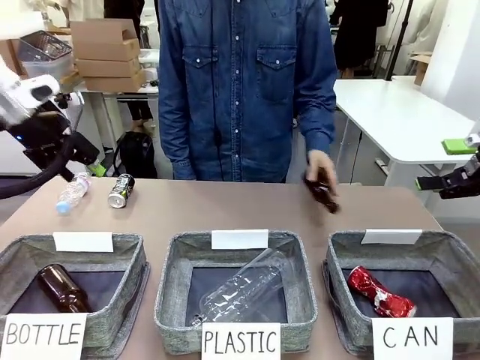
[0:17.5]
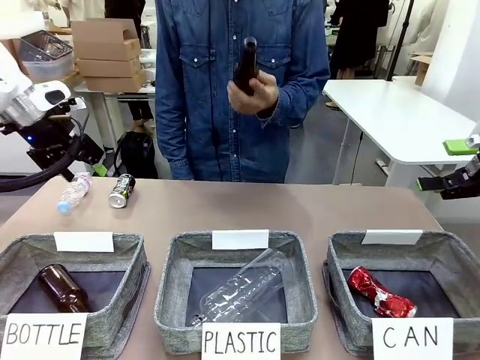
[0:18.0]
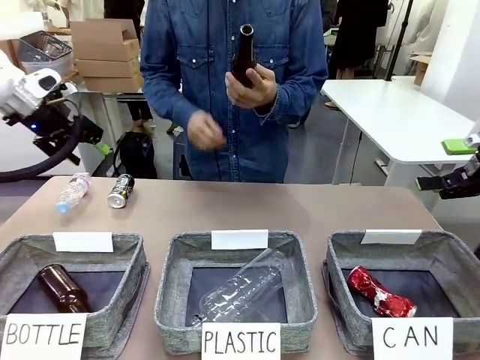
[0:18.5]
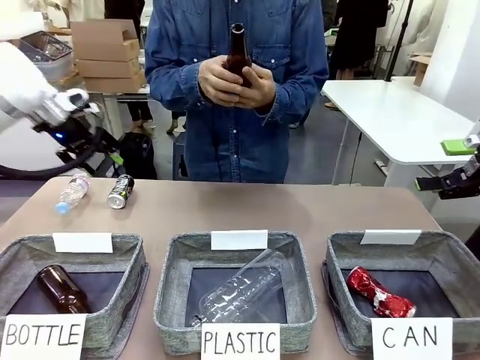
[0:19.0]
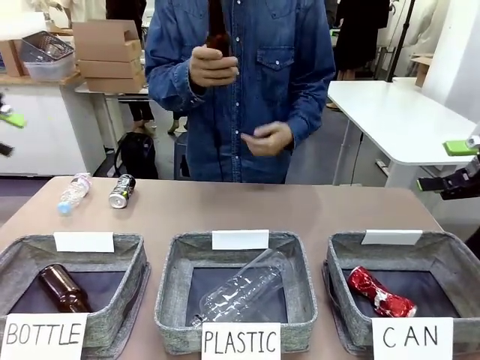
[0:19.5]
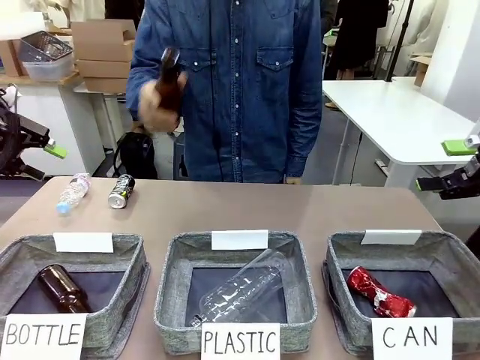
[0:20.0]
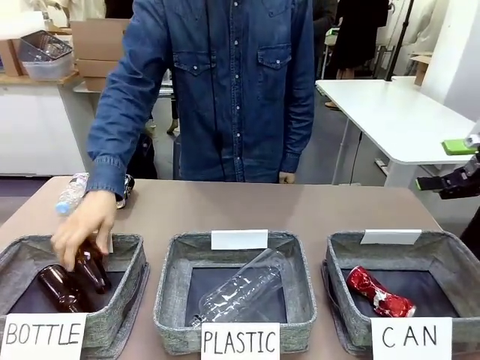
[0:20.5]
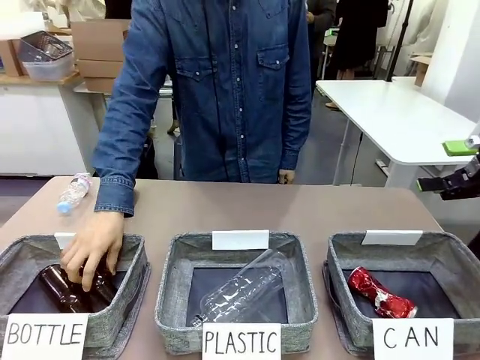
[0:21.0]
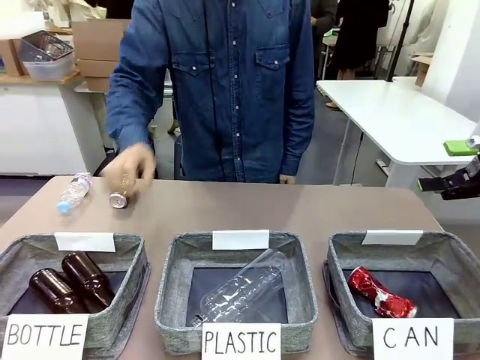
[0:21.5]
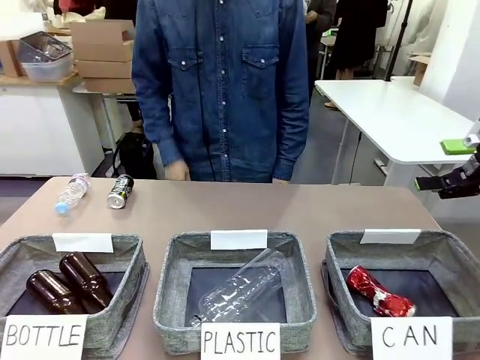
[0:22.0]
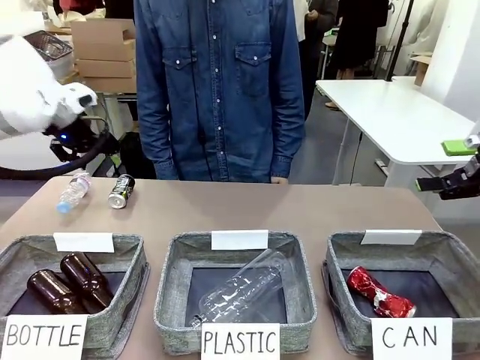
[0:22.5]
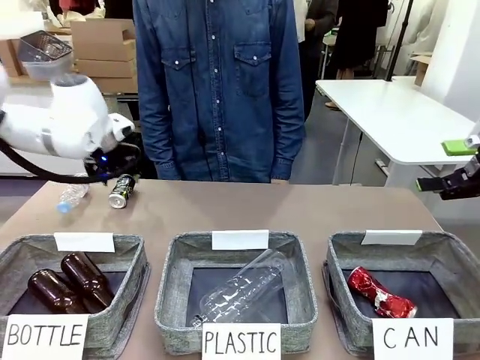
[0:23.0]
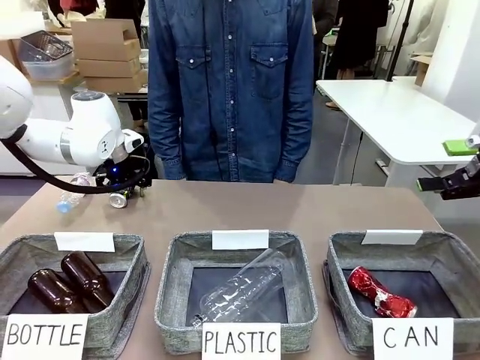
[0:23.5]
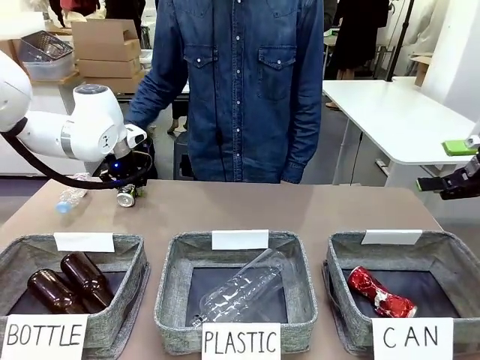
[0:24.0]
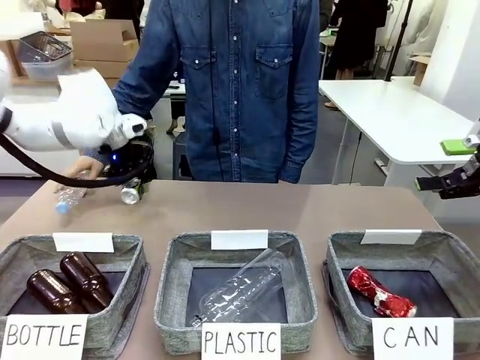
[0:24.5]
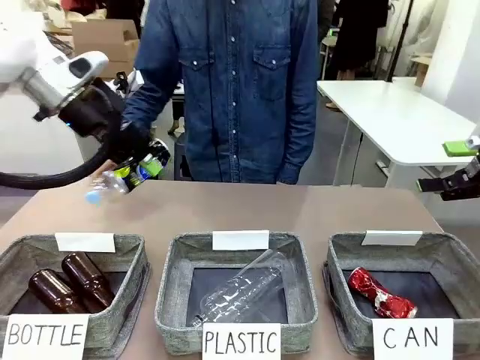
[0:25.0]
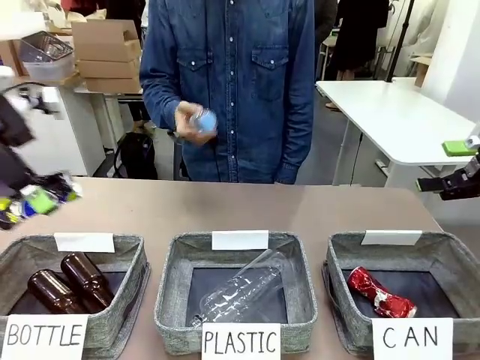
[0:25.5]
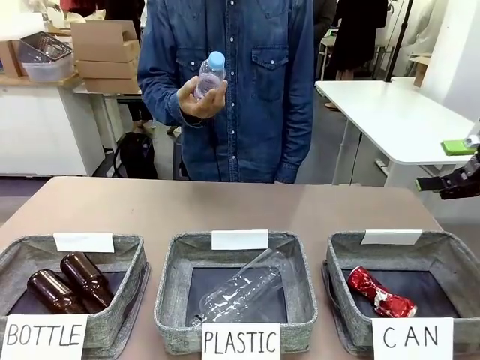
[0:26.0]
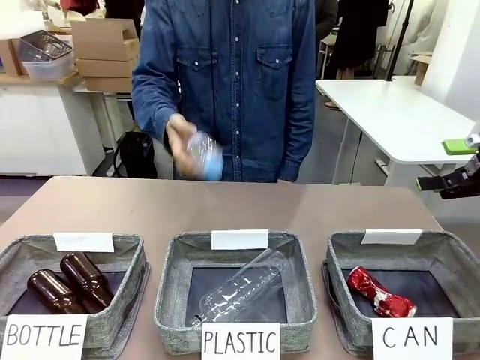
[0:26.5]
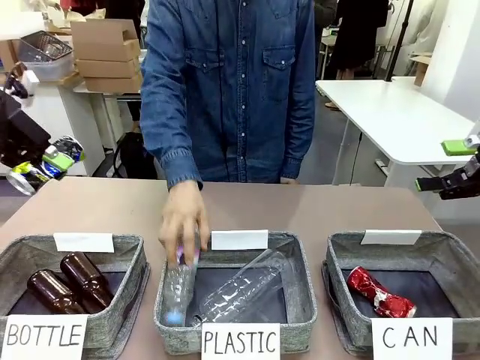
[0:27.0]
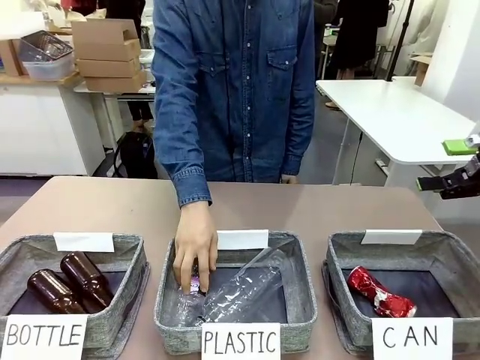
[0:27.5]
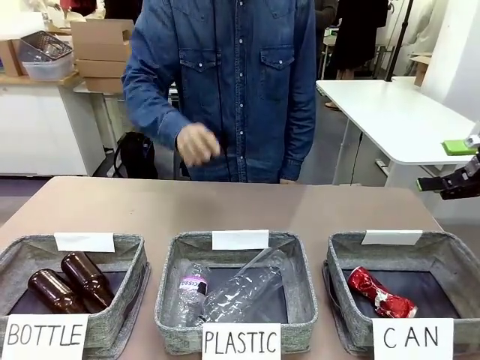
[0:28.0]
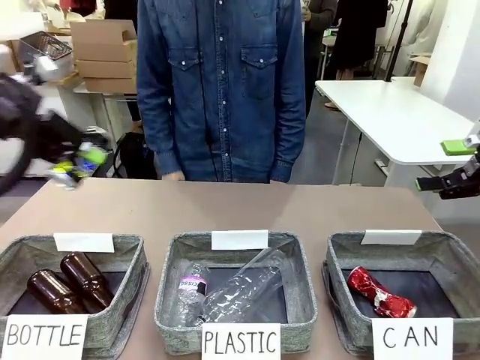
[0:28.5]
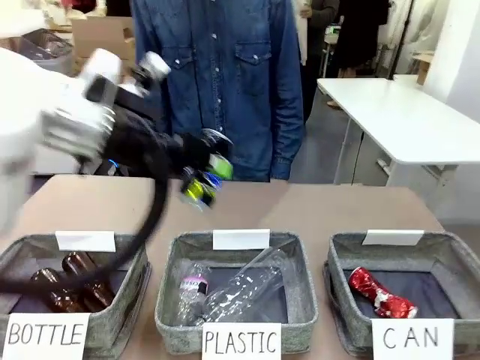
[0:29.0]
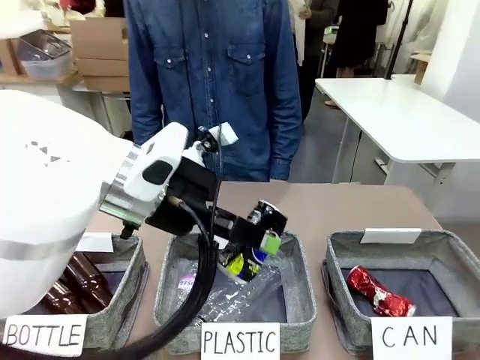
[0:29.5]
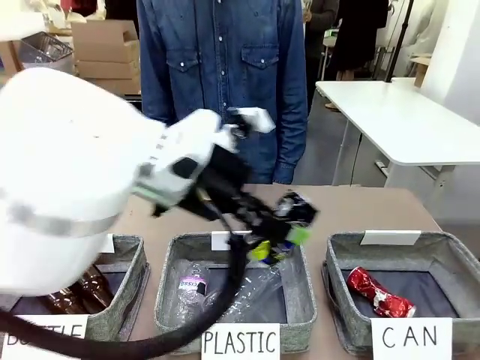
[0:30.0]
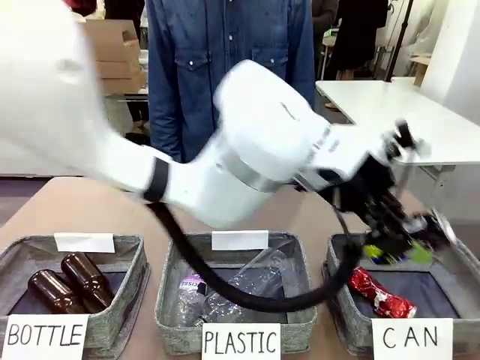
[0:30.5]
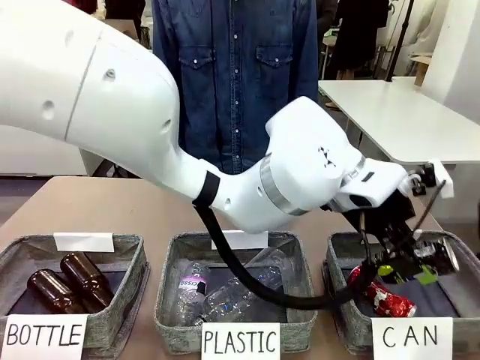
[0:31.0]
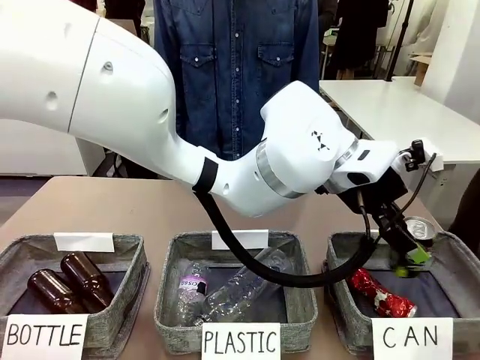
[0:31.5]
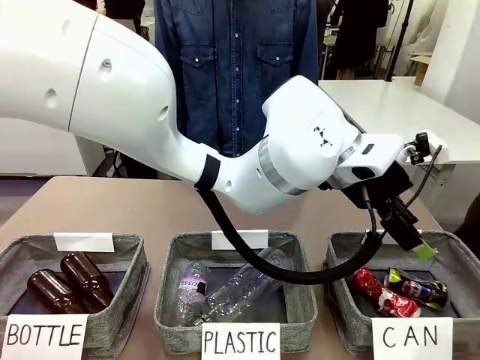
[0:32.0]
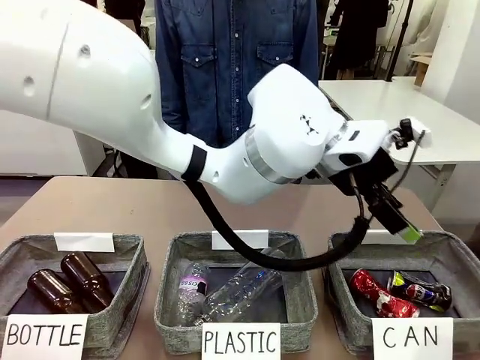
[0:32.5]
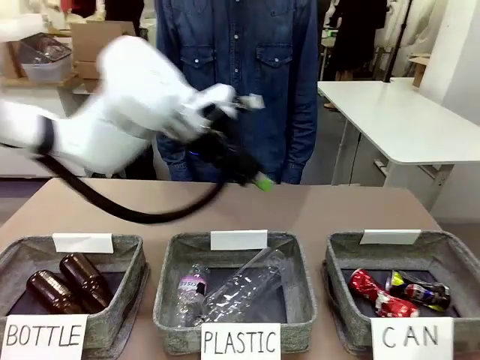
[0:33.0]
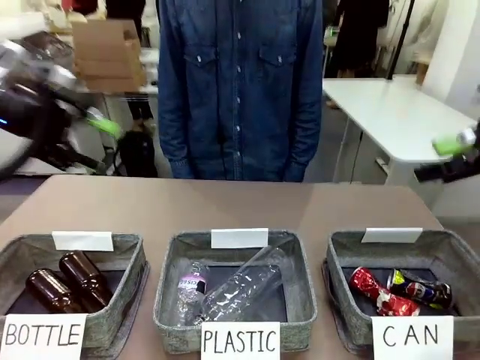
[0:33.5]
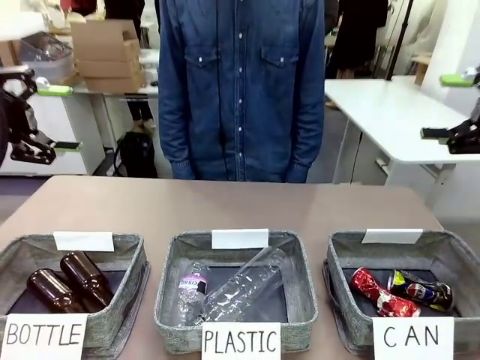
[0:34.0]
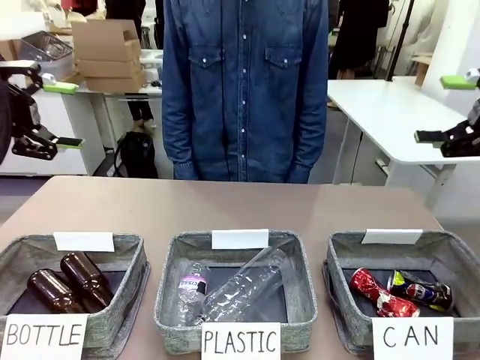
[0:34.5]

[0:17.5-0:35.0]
Task: Sort the can waste into the basket.
Robot: Pick up the can waste from the table and place it in the right Fabric basket.
